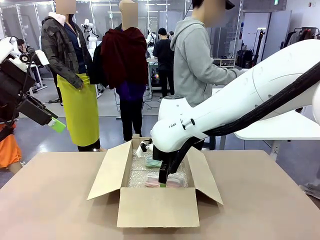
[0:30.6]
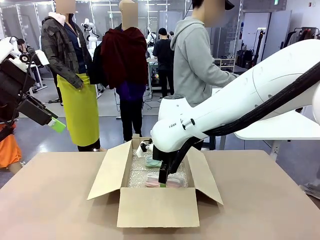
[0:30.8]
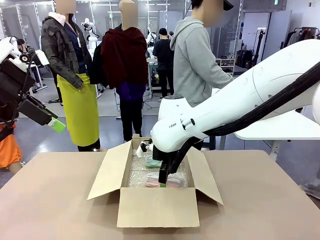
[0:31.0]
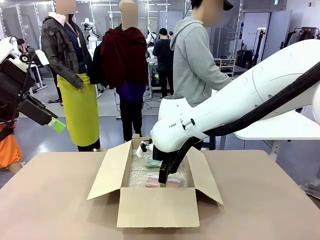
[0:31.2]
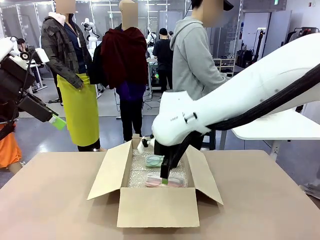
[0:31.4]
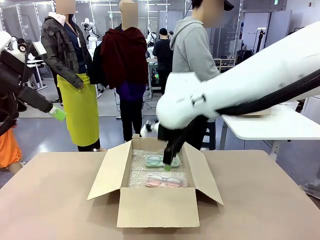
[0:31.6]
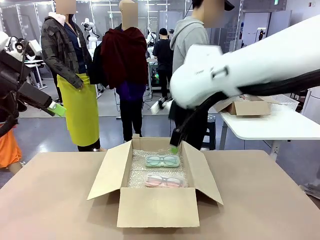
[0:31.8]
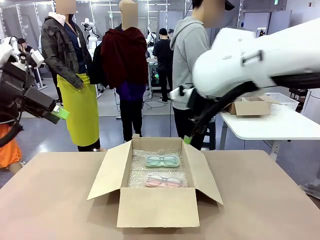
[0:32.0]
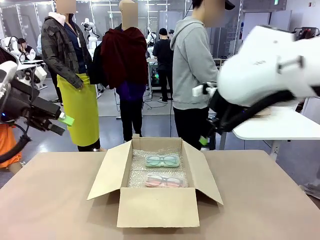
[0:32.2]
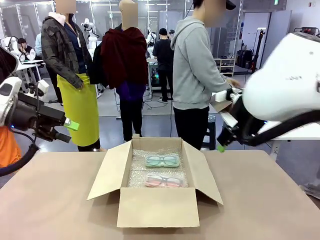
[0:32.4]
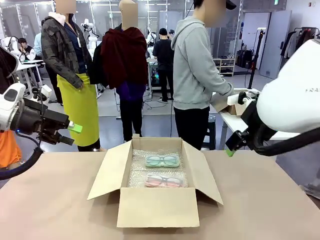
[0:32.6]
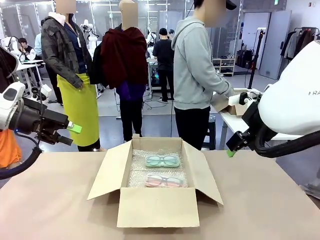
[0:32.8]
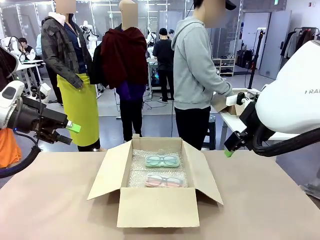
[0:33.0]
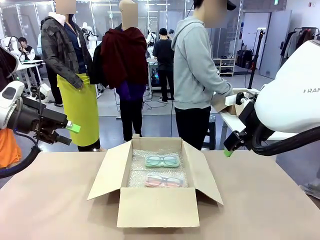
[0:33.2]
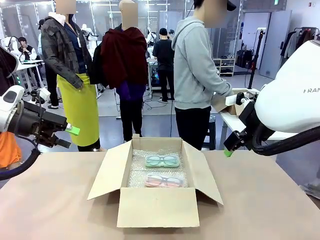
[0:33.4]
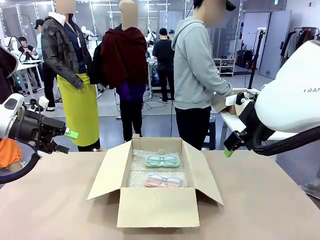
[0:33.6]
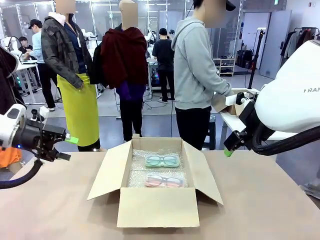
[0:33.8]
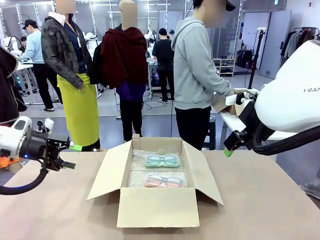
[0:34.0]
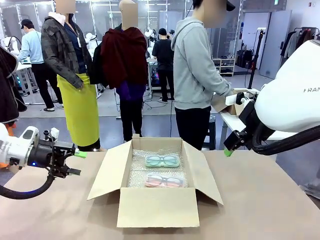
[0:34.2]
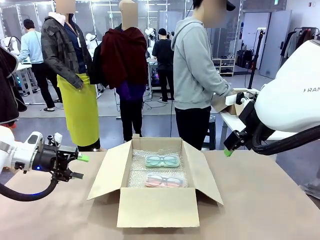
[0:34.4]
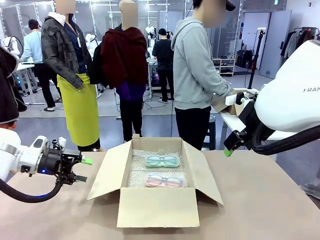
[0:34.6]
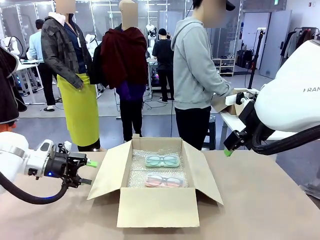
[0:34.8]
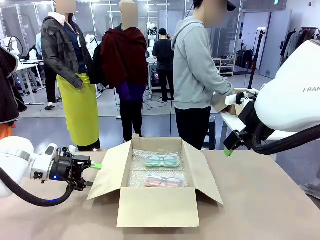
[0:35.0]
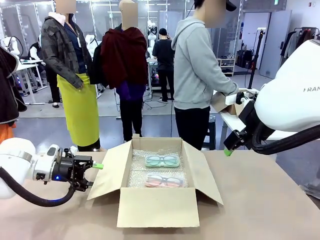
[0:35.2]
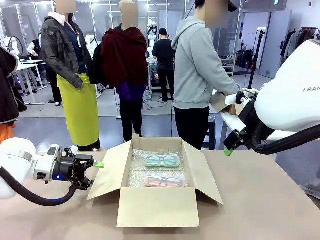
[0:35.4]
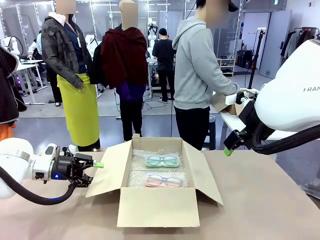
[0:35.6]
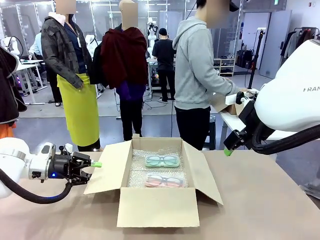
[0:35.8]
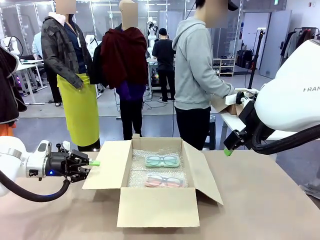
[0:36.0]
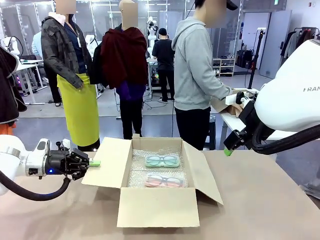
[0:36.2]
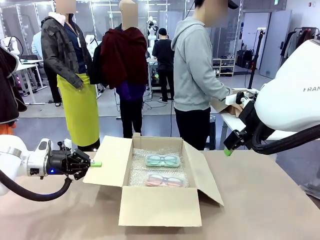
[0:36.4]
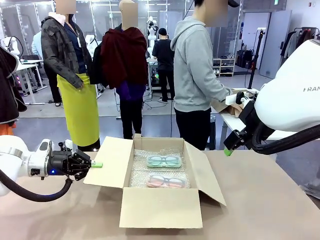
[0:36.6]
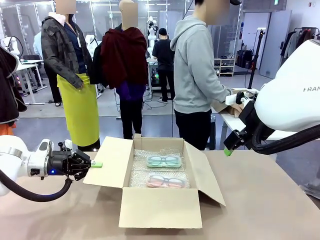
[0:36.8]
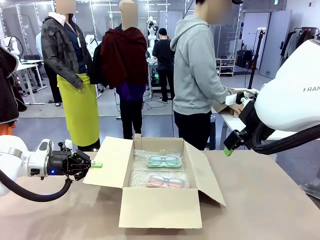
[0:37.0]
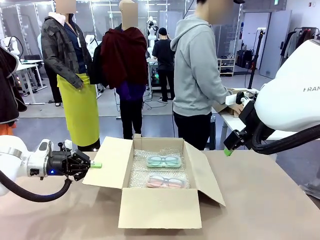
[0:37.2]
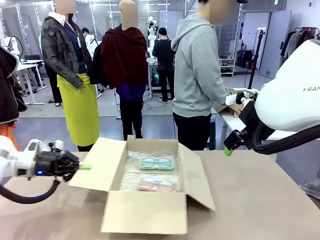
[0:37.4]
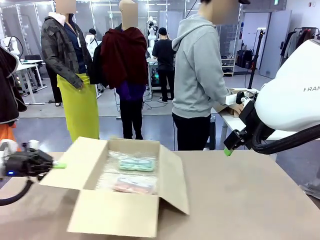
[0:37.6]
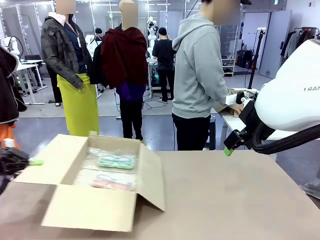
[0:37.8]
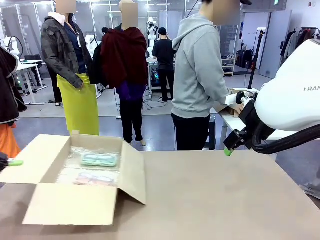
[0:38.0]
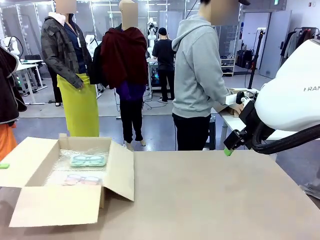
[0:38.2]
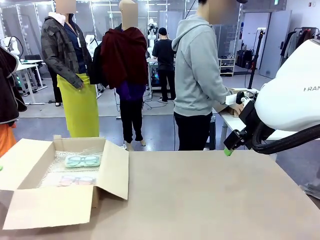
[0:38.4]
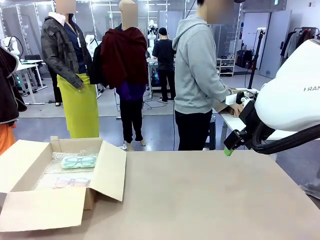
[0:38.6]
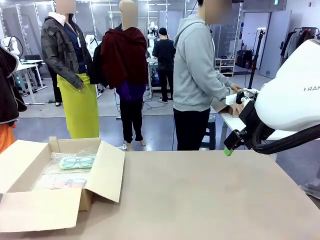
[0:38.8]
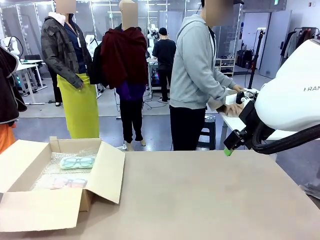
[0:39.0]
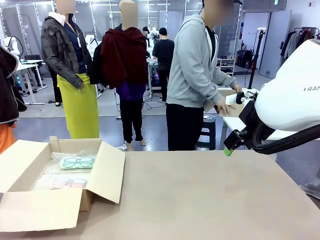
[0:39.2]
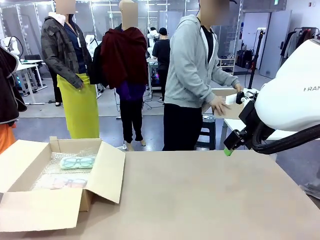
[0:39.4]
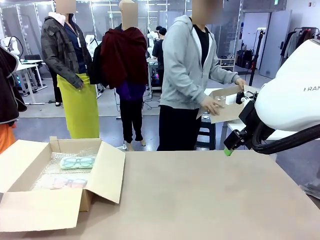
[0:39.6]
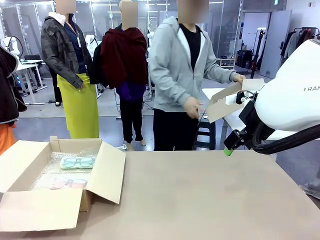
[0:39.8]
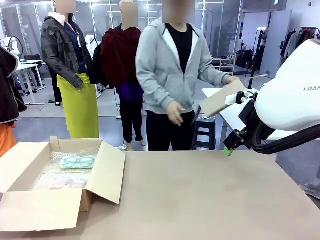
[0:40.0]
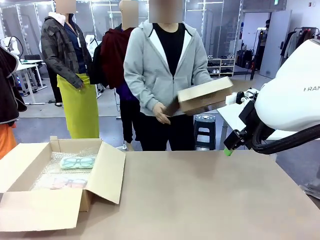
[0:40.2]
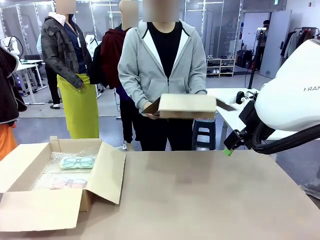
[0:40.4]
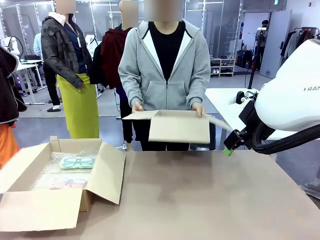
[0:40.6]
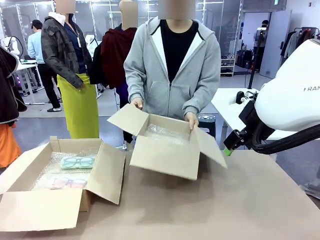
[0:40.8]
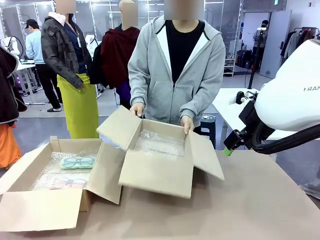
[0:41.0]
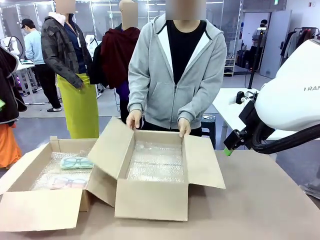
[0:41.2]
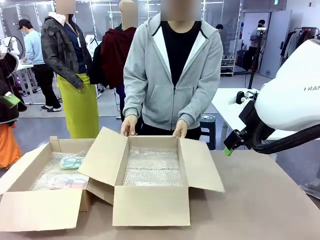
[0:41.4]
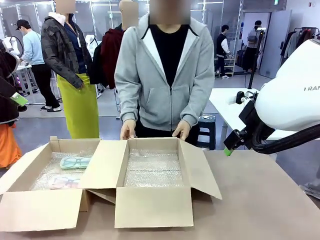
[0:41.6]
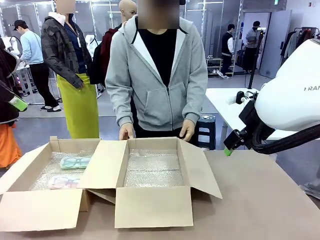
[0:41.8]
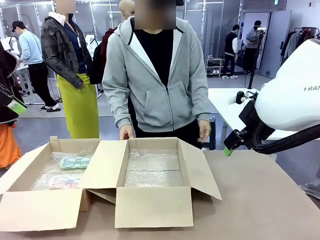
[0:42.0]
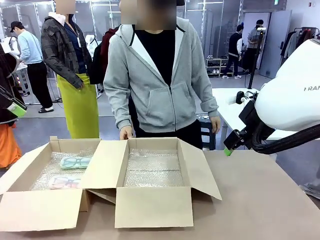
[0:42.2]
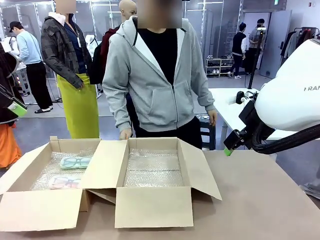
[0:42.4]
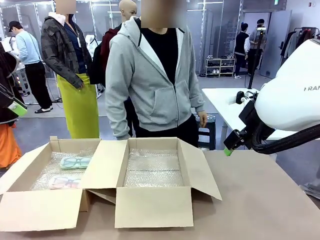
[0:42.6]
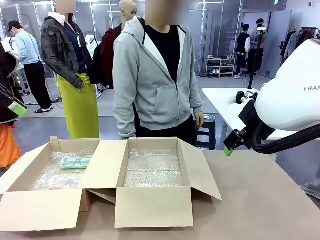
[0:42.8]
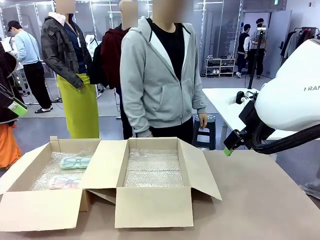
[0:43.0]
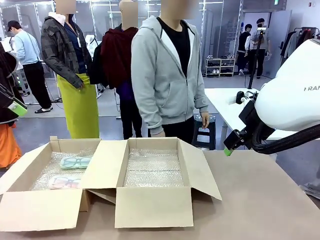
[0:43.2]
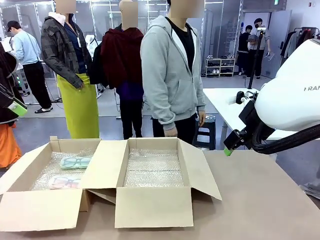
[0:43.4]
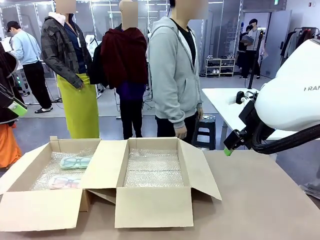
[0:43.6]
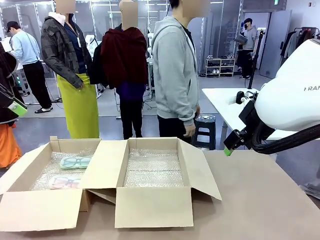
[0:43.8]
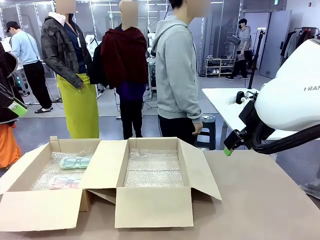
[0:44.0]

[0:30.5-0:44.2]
Task: Pack the glasses set securely to prepare it for shipping.
Robot: Position the Package Box on the left side of the table.
Person: Position the empty Package Box in the middle of the robot's table.
